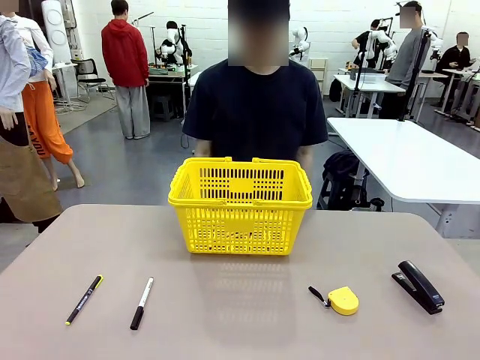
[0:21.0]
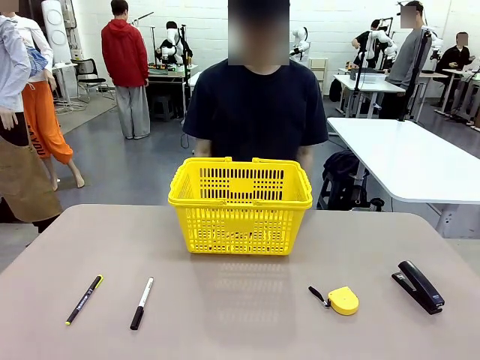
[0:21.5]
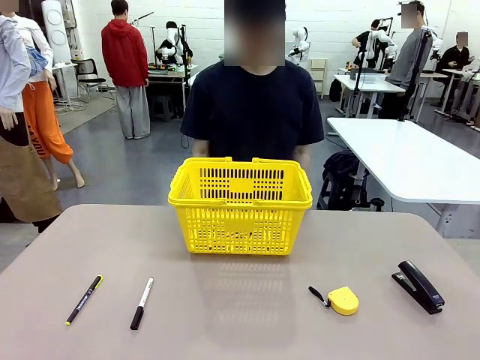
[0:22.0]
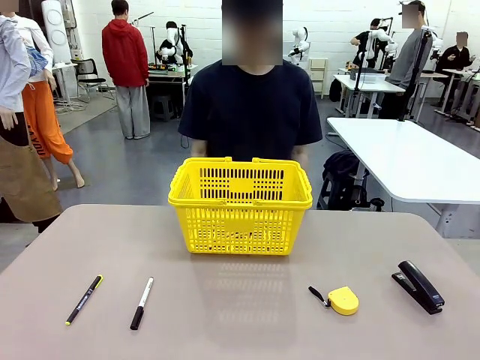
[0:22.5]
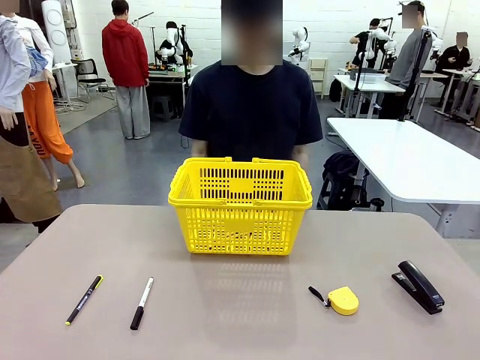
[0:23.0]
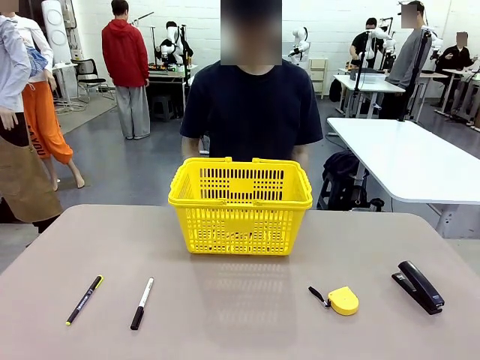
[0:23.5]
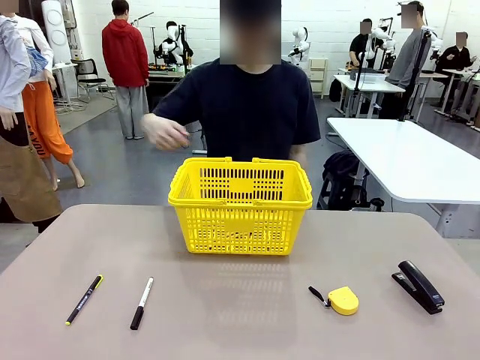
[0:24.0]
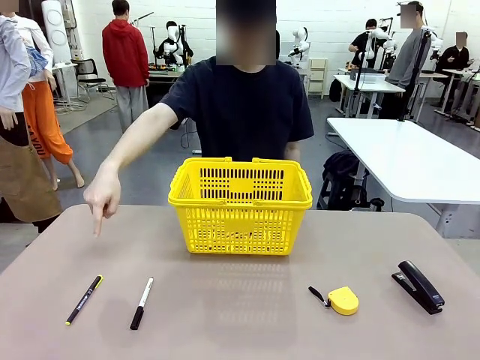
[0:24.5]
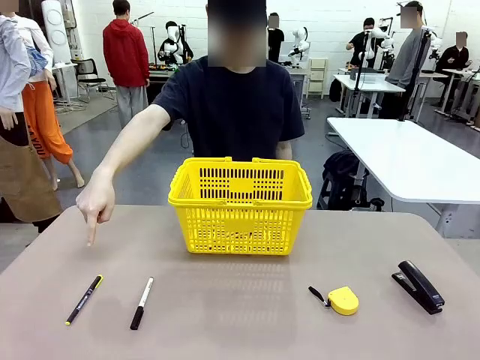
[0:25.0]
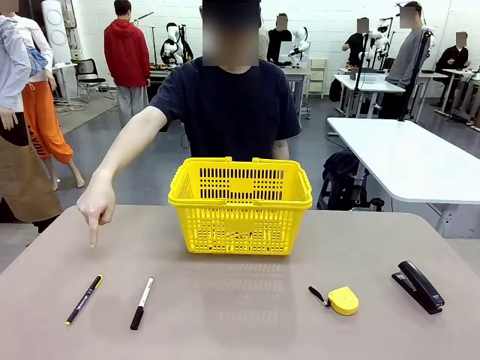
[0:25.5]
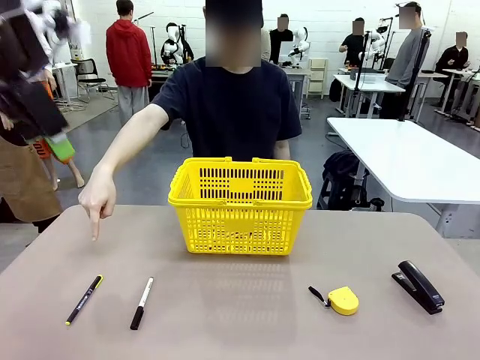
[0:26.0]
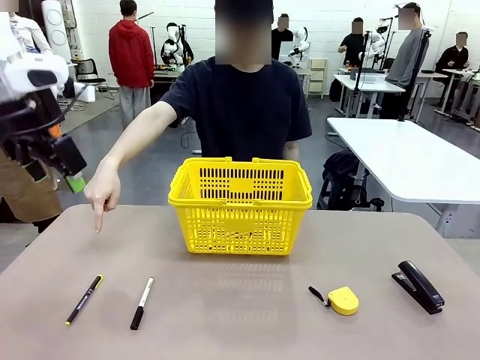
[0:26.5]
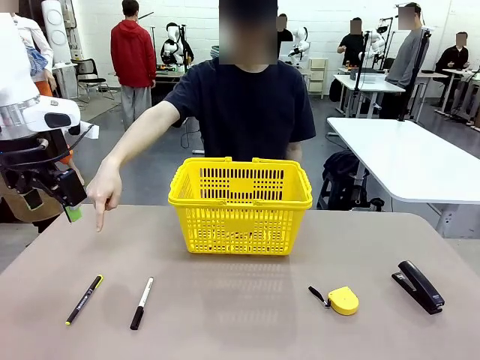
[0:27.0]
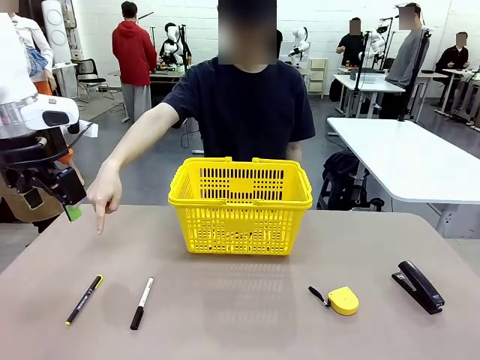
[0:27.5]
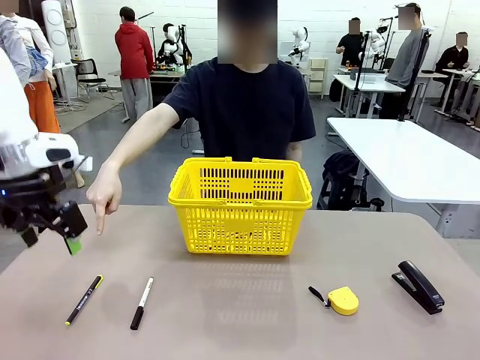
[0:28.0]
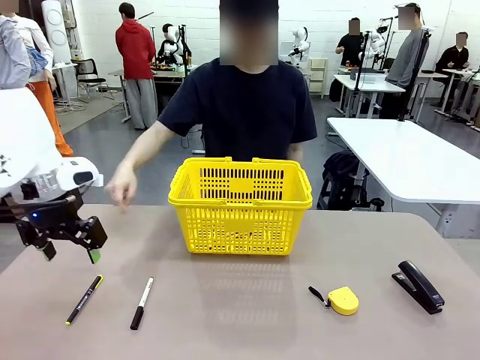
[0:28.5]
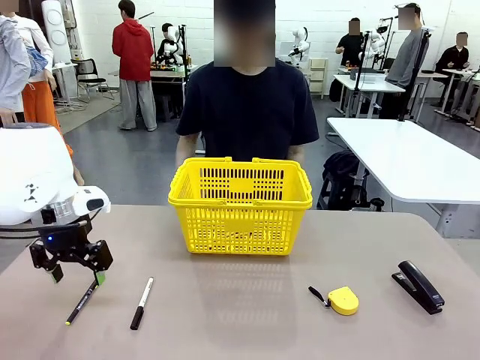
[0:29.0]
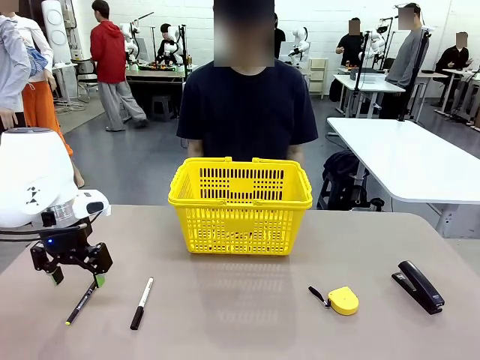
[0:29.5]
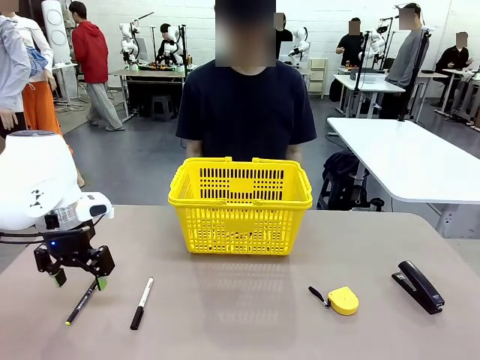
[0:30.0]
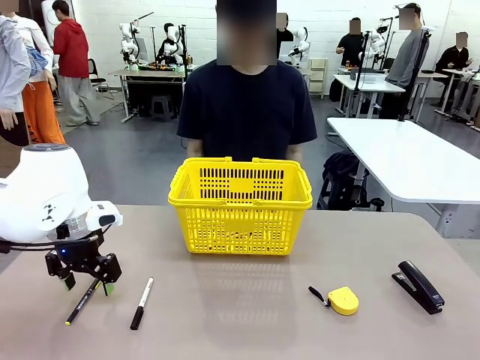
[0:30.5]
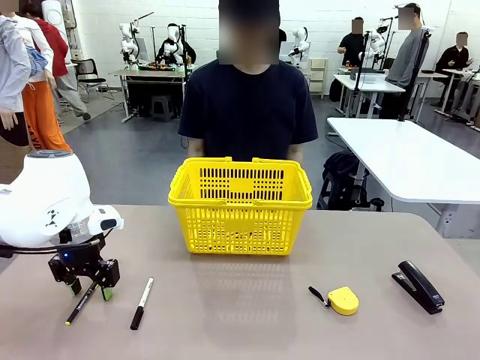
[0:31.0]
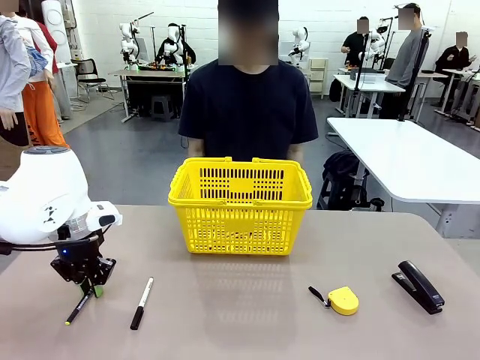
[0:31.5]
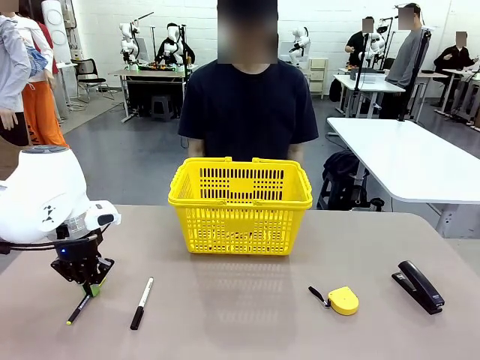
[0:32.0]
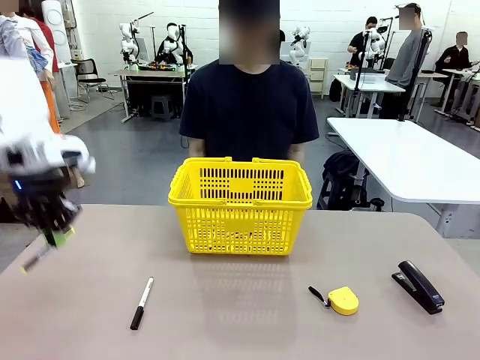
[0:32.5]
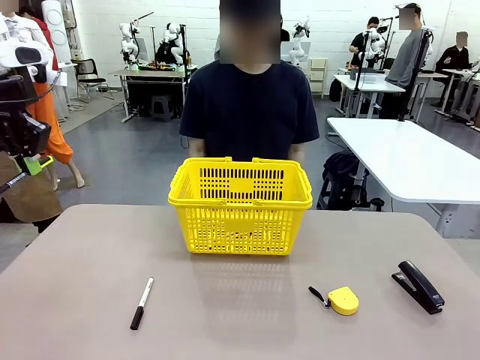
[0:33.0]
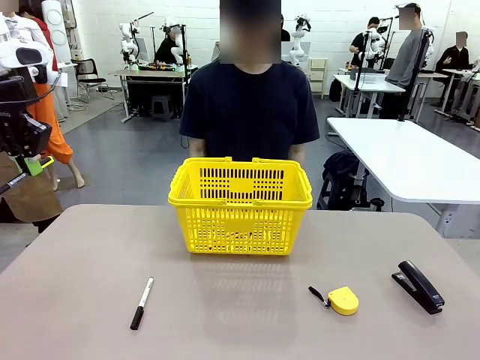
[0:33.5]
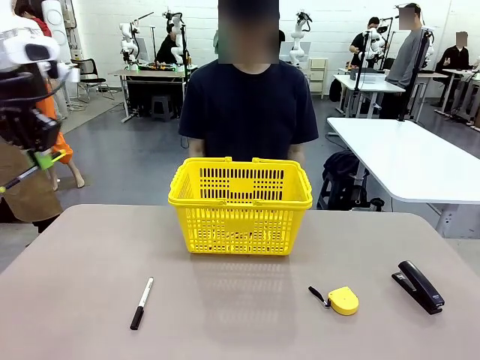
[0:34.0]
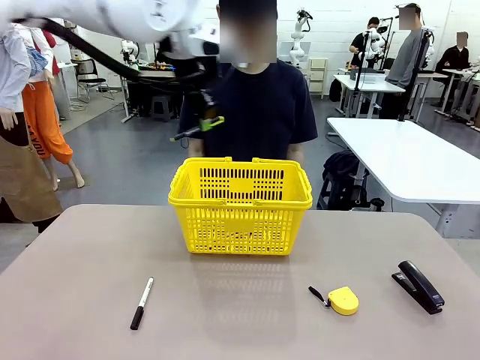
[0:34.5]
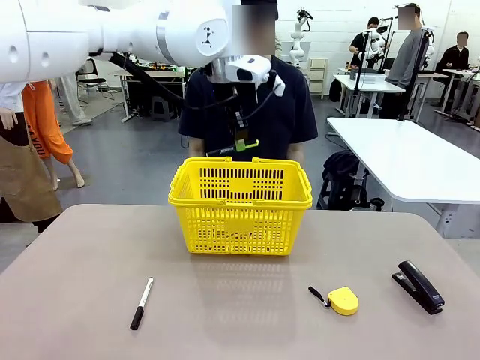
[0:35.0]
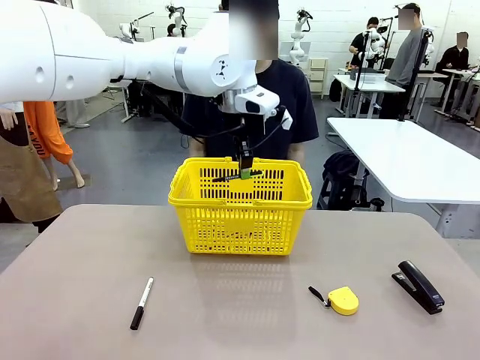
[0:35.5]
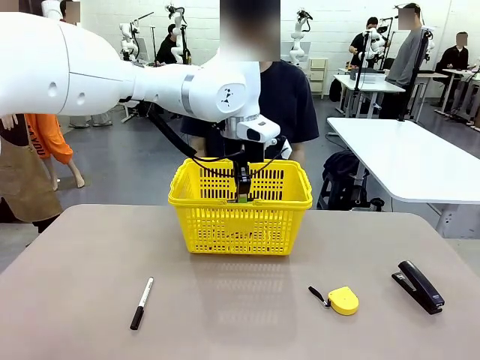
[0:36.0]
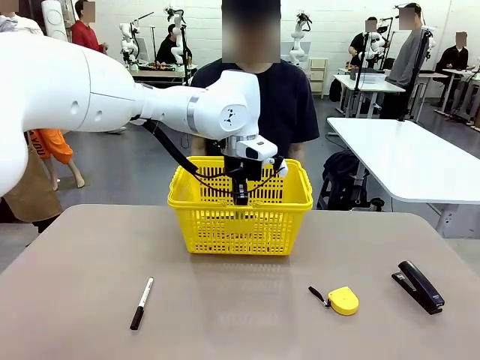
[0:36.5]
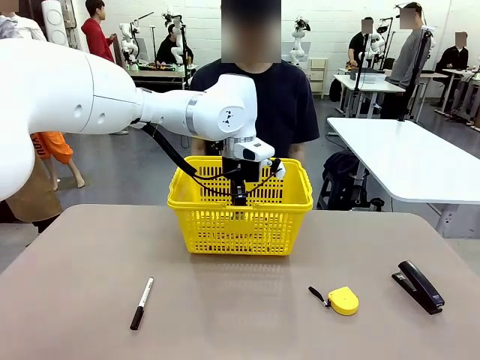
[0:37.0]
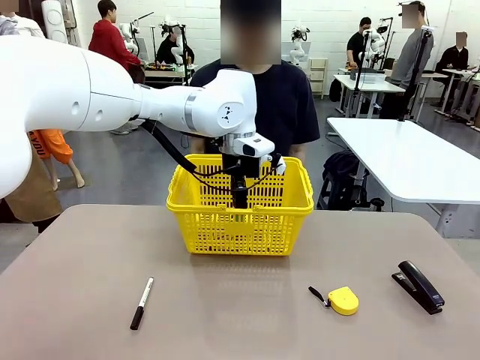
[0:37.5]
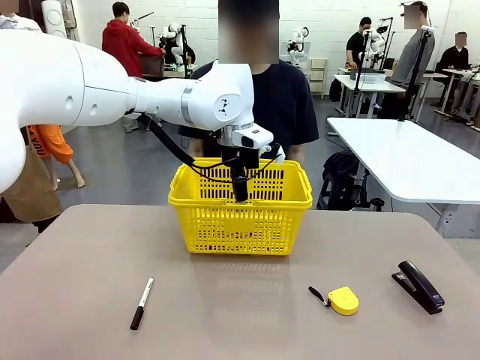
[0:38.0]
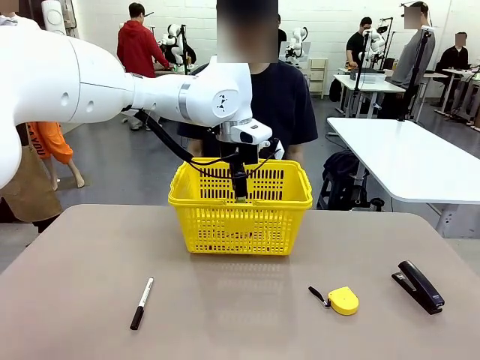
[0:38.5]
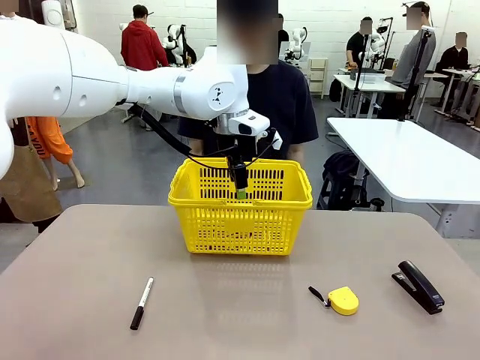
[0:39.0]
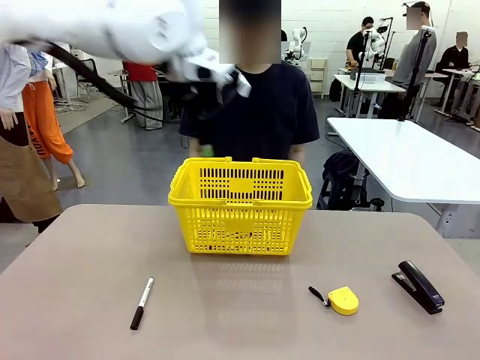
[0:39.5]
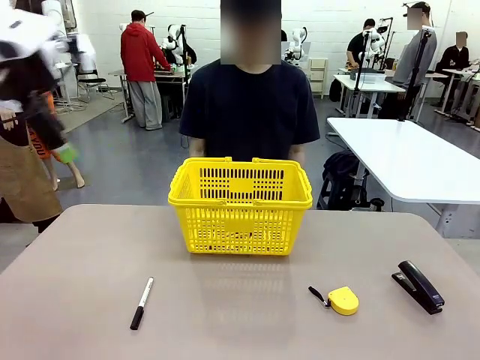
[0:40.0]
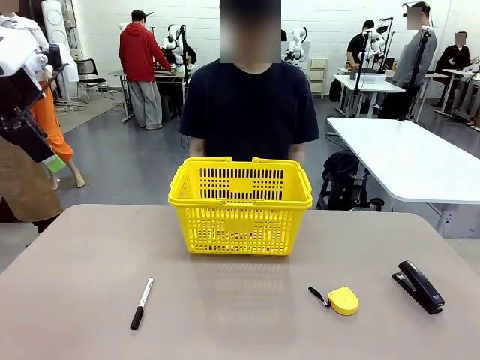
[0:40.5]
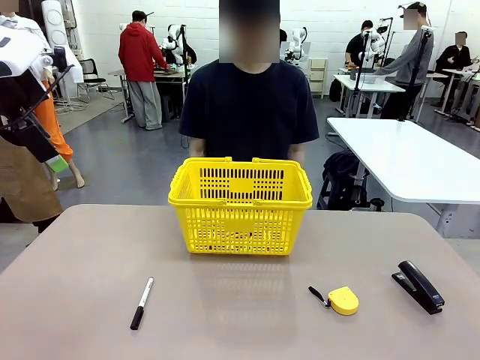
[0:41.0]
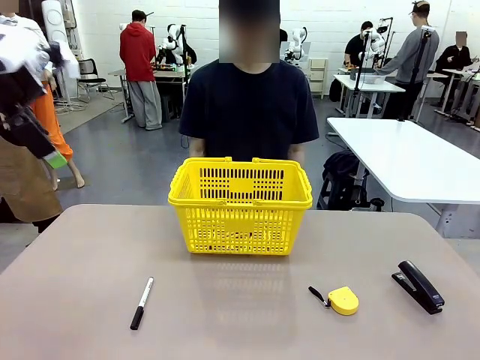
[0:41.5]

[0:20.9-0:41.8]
Task: Place the items the person wants into the basket.
Robot: Pick up the item the person points to and place it in the Market Basket.
